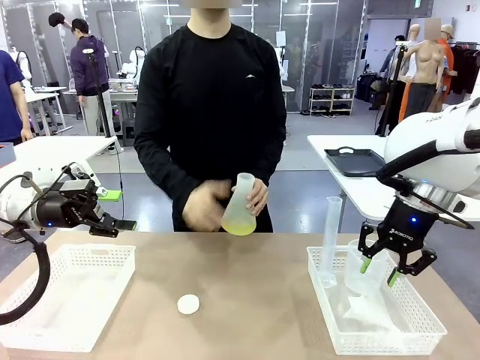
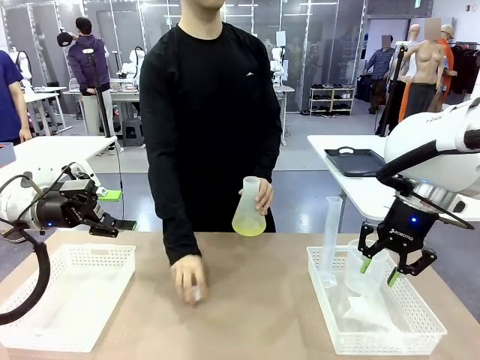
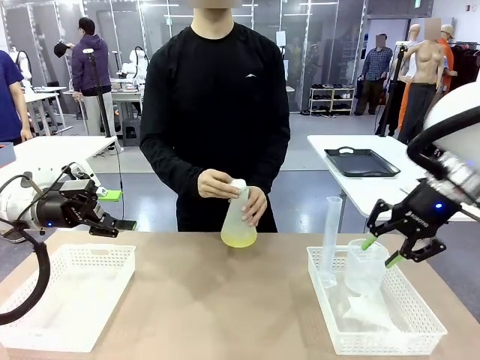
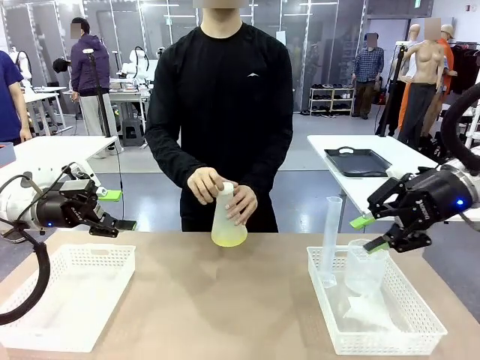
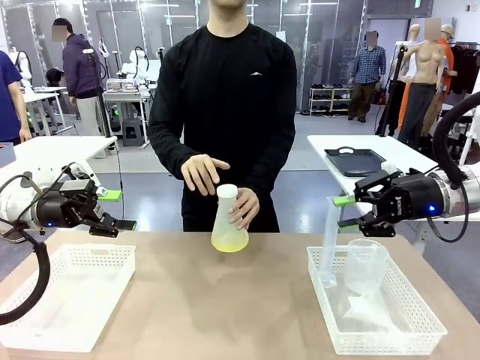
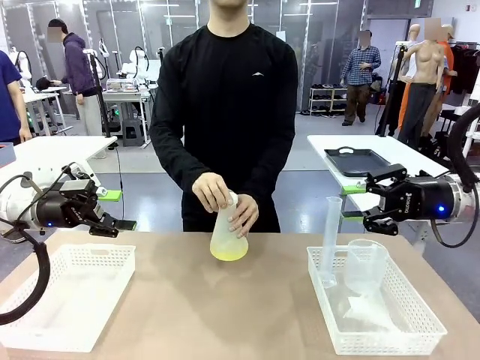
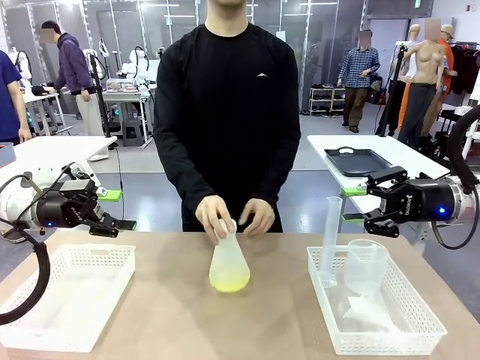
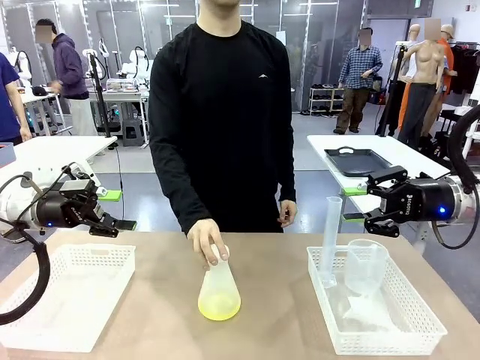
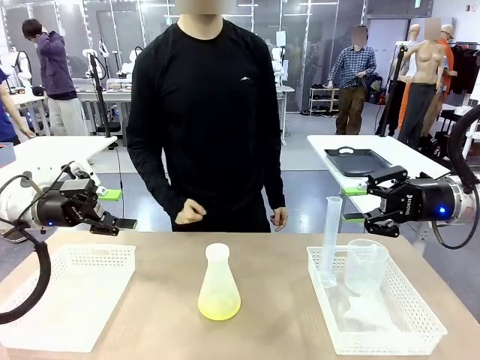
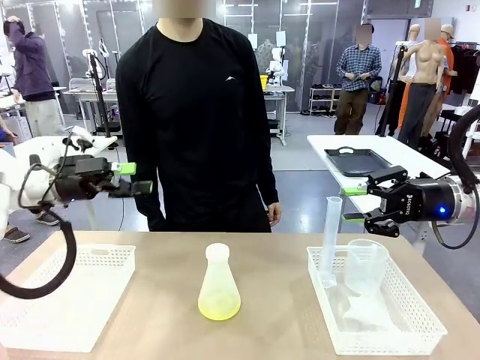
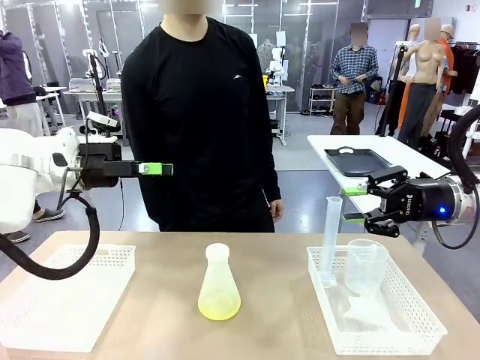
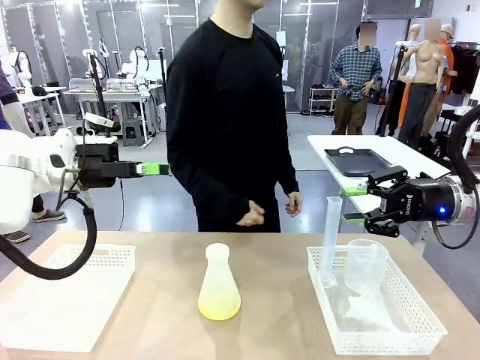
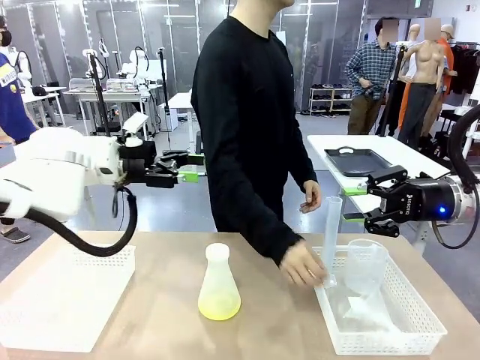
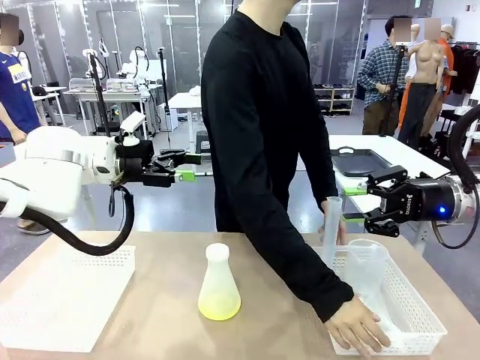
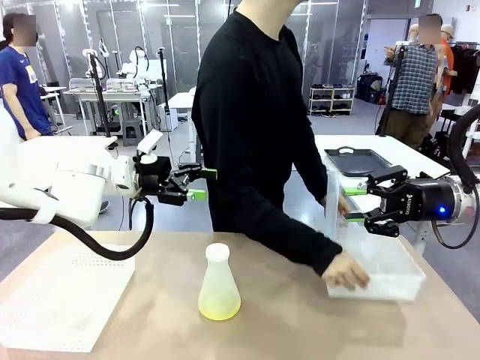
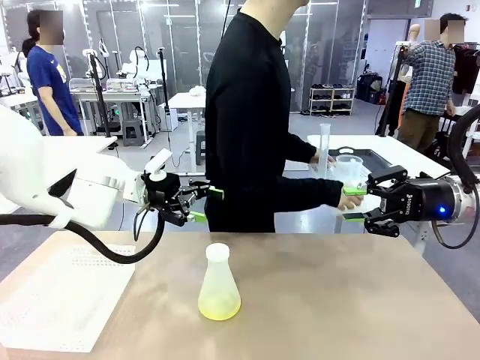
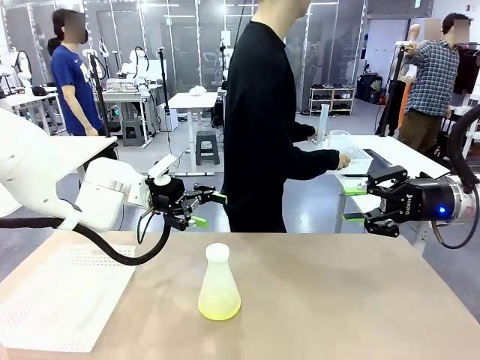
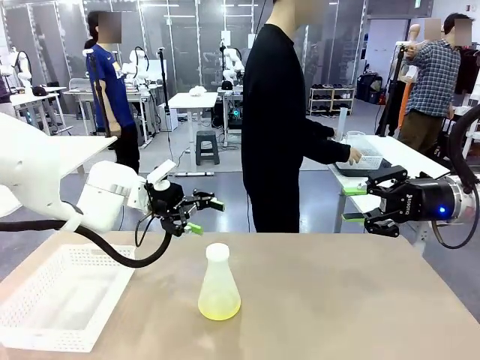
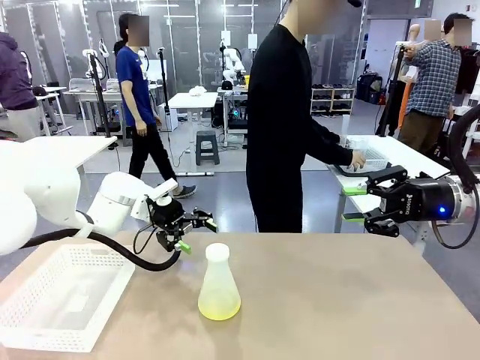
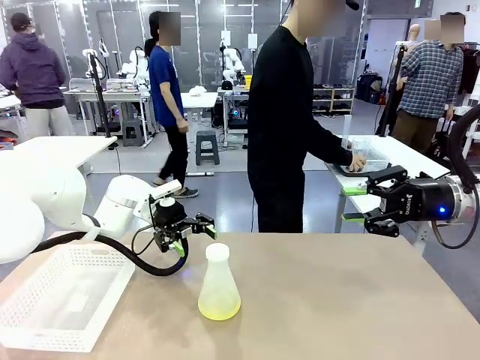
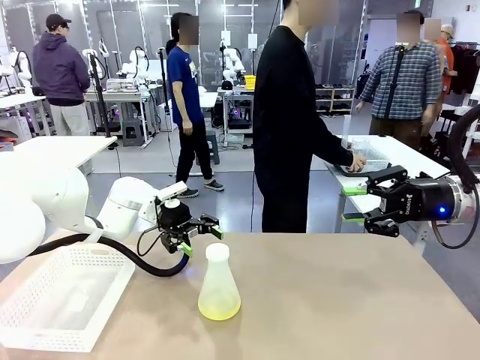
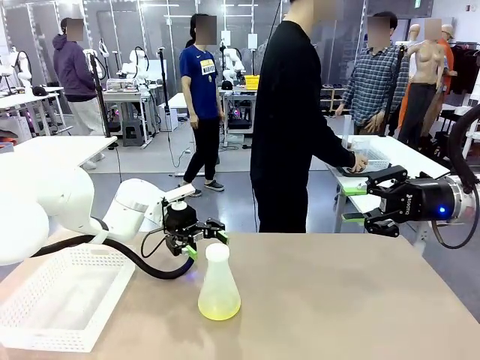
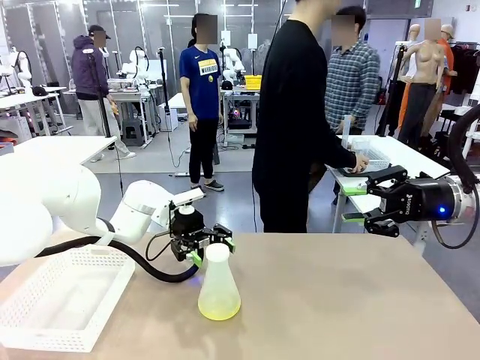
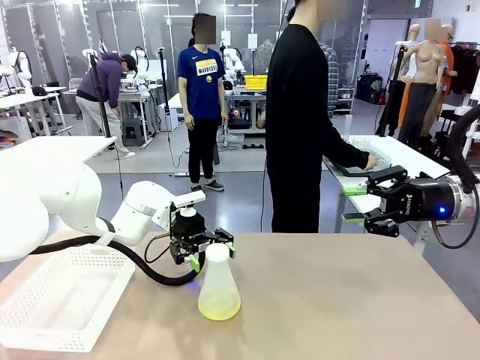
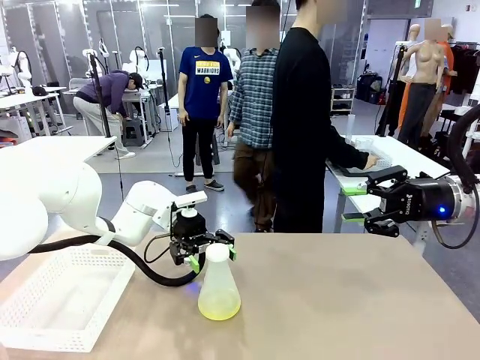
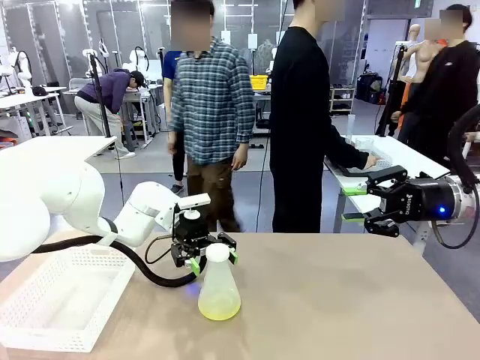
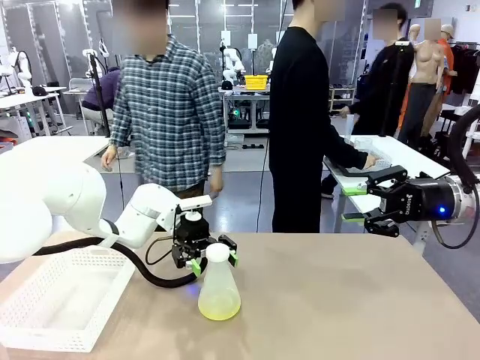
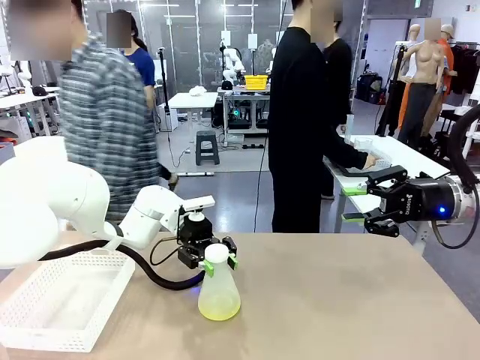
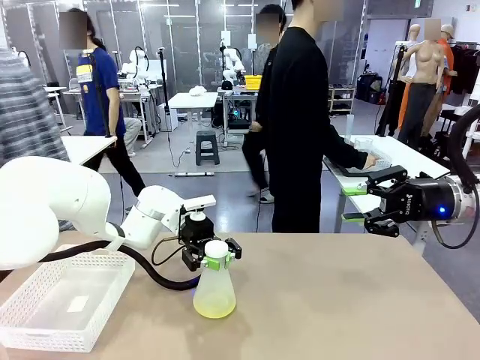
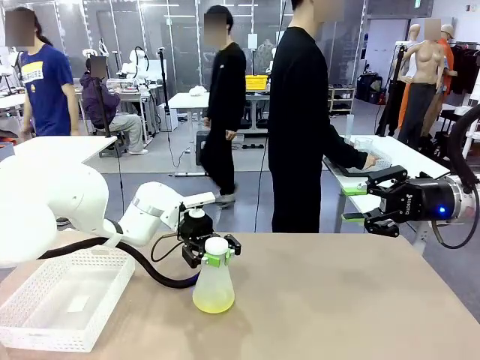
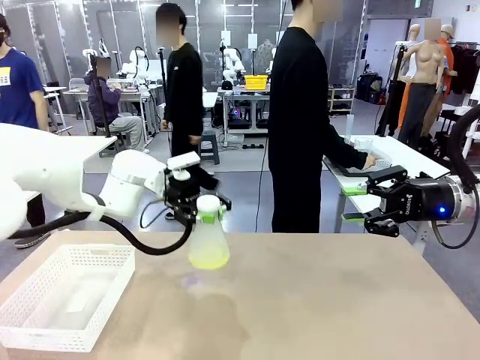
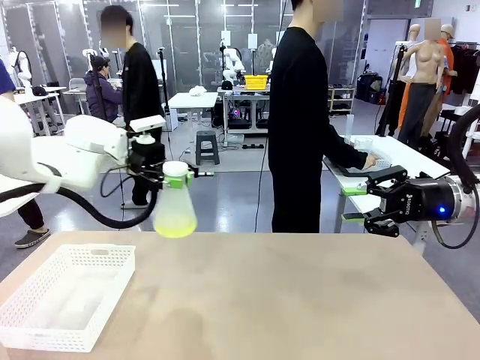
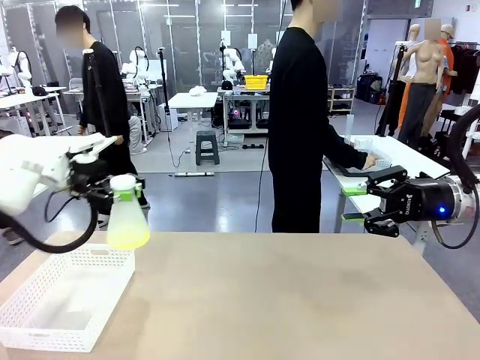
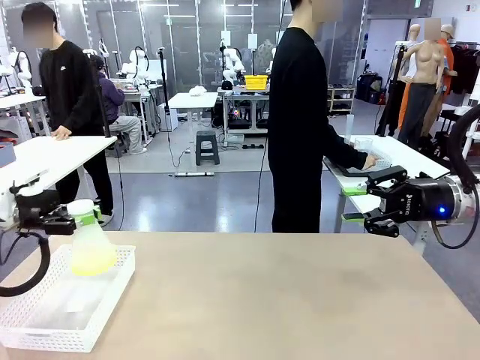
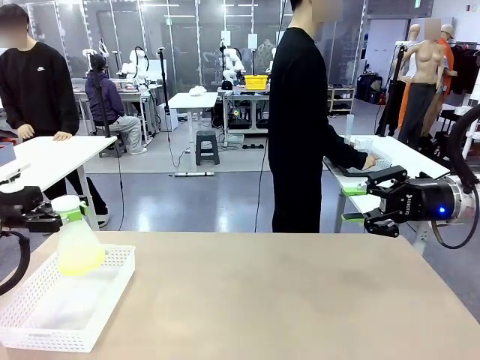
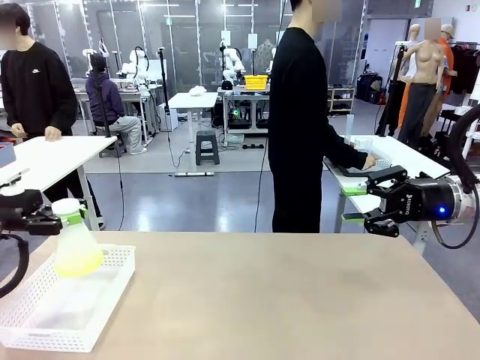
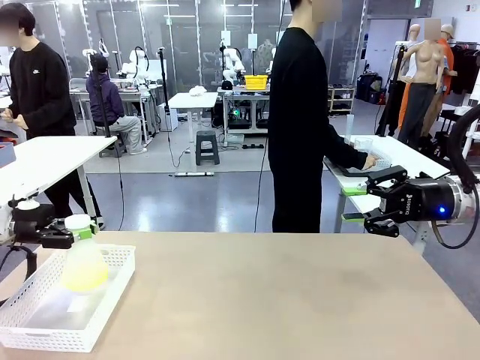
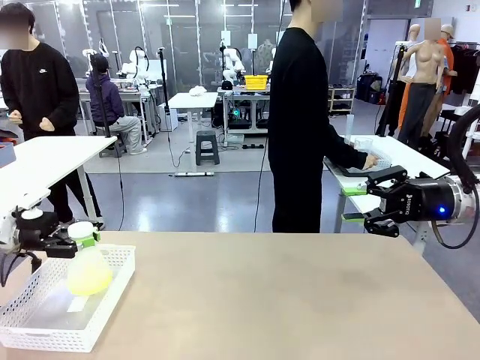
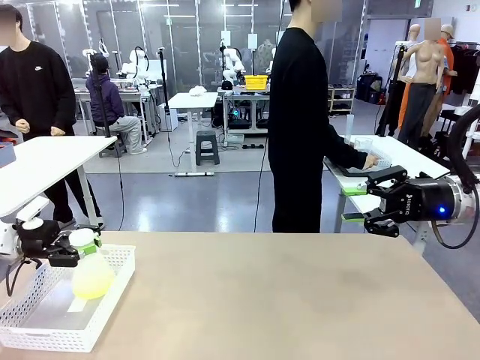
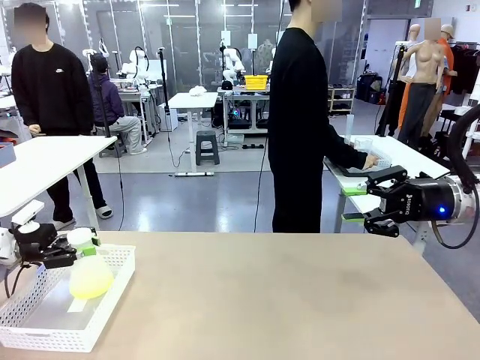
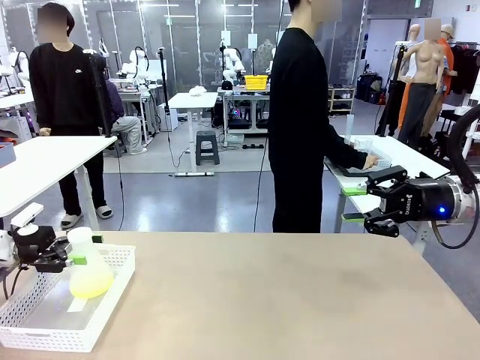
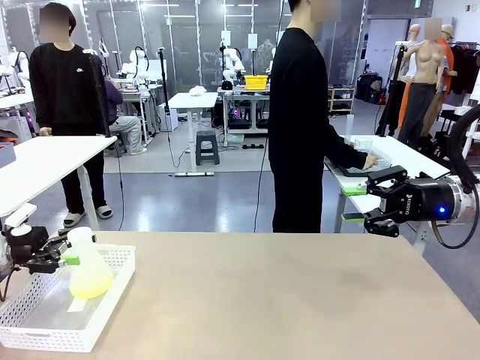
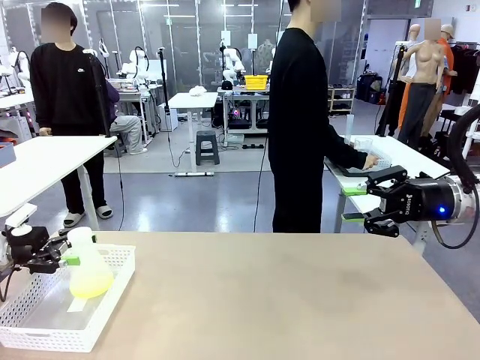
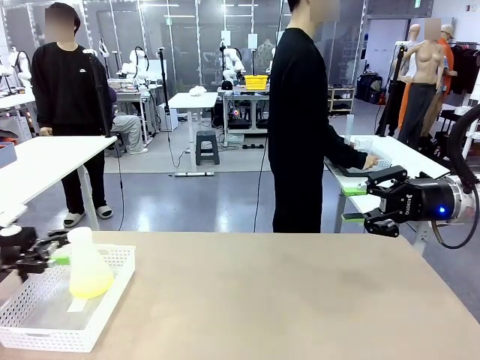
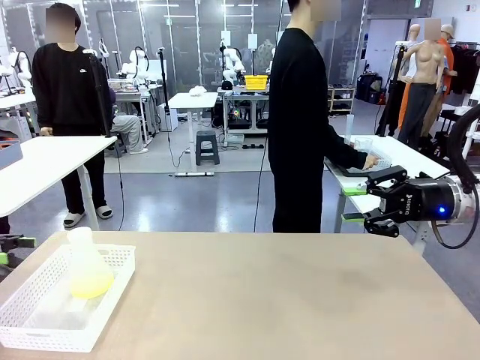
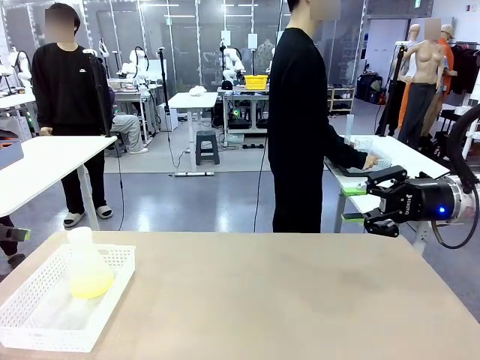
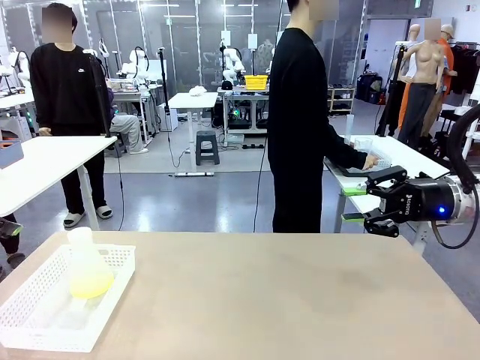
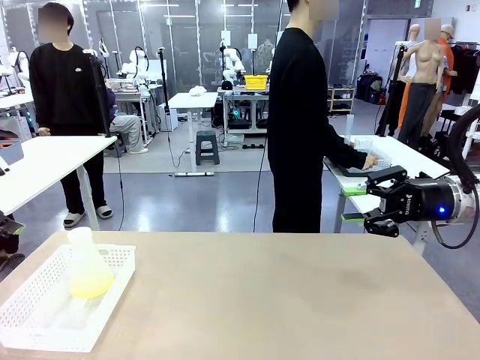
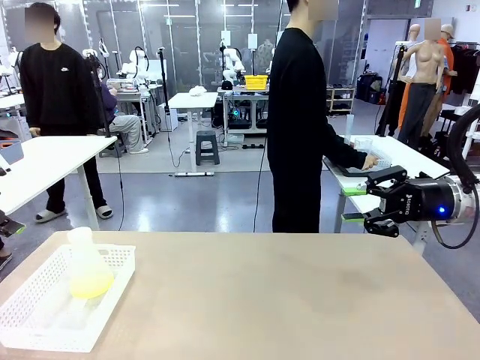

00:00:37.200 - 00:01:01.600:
Task: Prepare the solutions needed for the experiment.
Robot: When the human places the Big flask in the center of the table, pick up the Big flask and place it in the left Organizing basket.
Person: Pick up the organizing basket on the left side of the robot table and place it on the left side of the human table.
